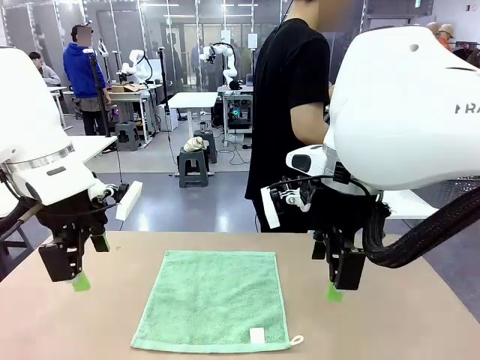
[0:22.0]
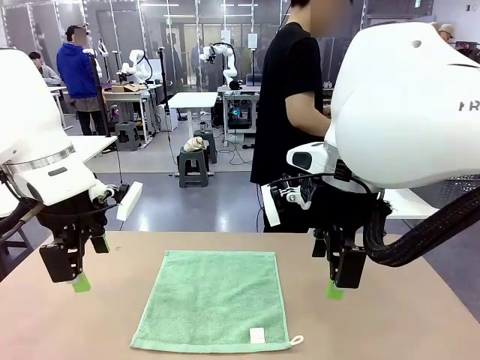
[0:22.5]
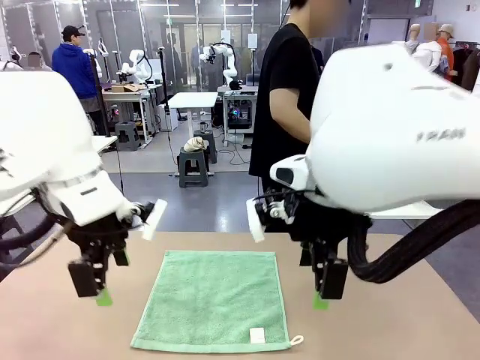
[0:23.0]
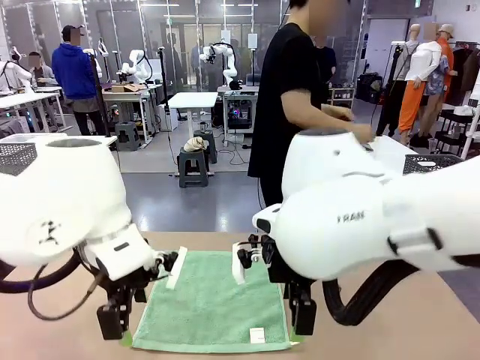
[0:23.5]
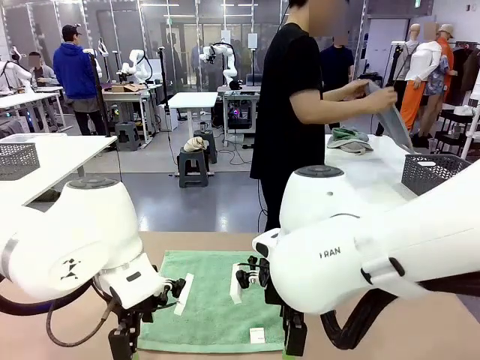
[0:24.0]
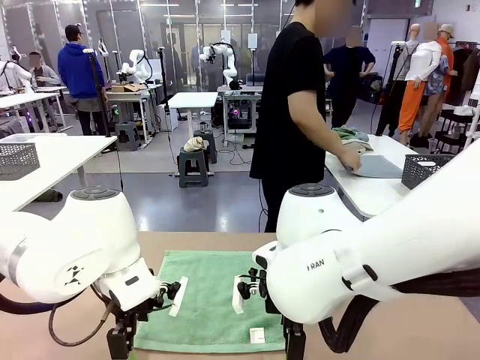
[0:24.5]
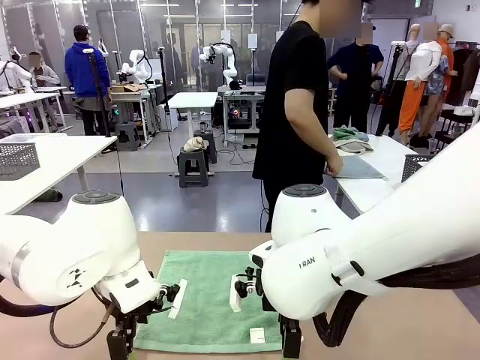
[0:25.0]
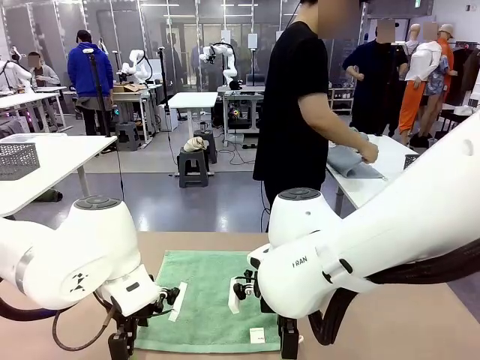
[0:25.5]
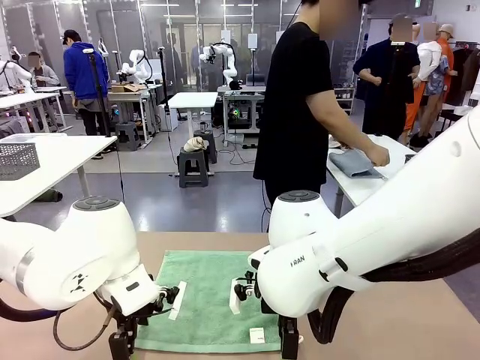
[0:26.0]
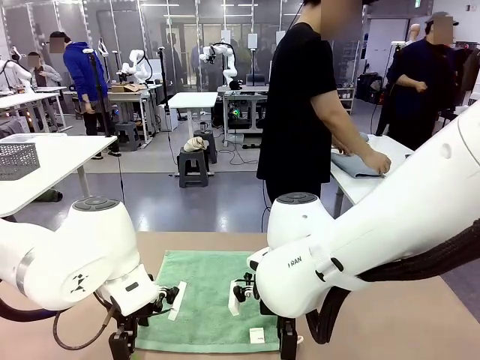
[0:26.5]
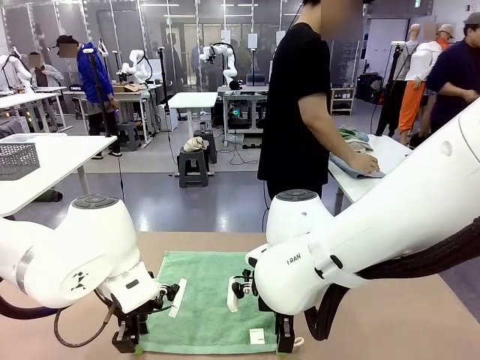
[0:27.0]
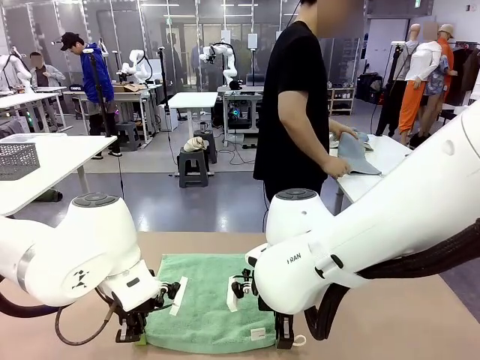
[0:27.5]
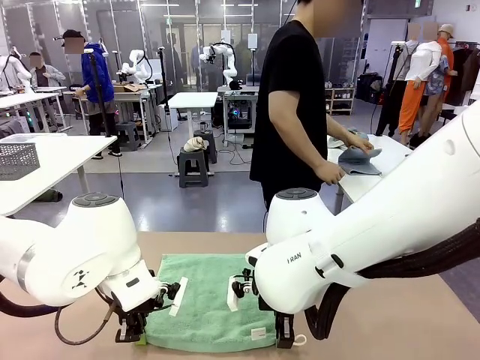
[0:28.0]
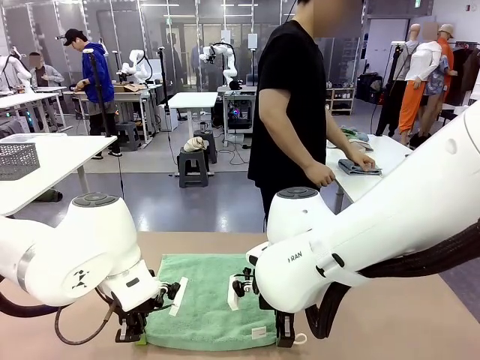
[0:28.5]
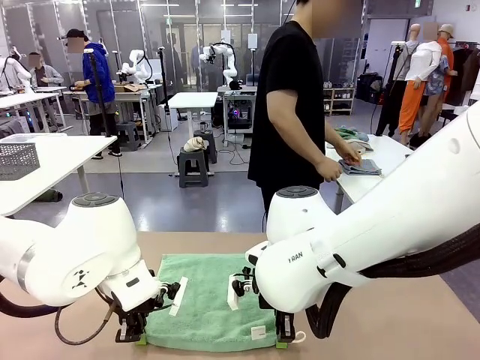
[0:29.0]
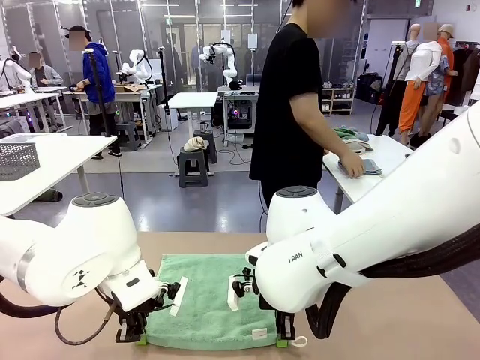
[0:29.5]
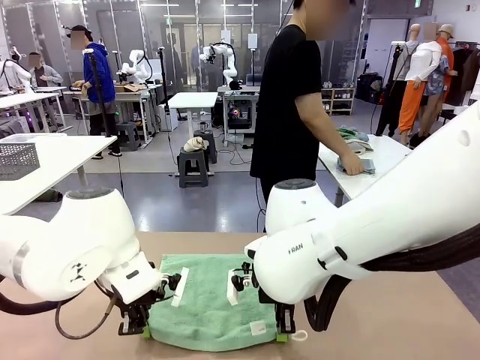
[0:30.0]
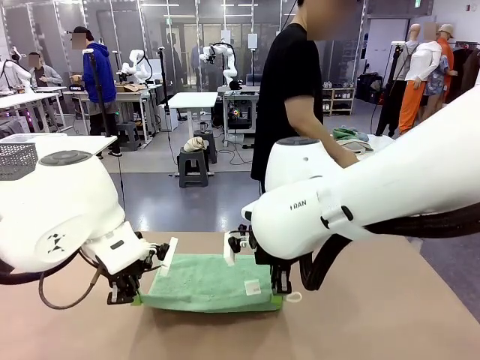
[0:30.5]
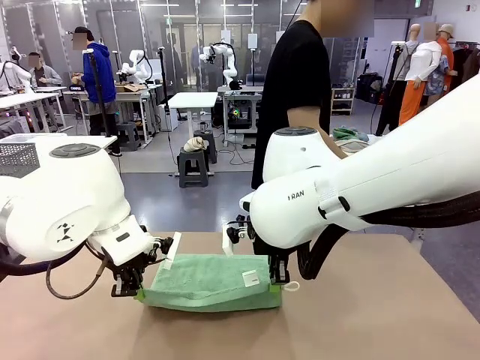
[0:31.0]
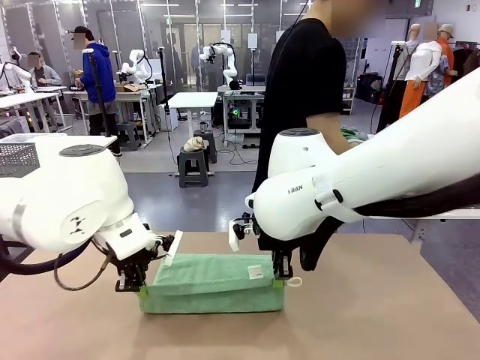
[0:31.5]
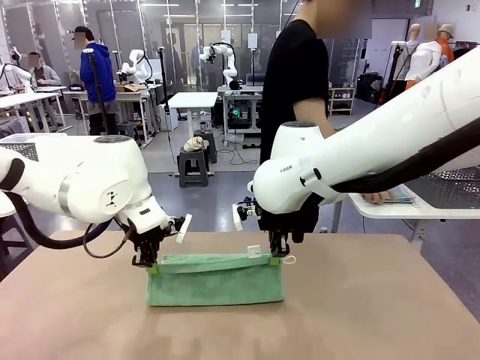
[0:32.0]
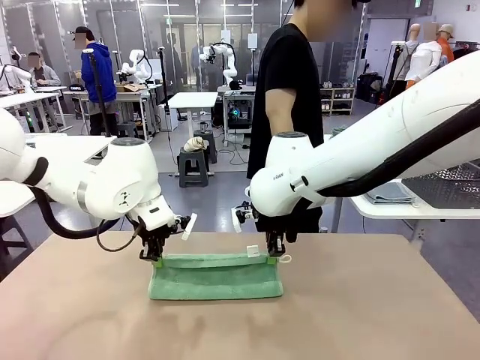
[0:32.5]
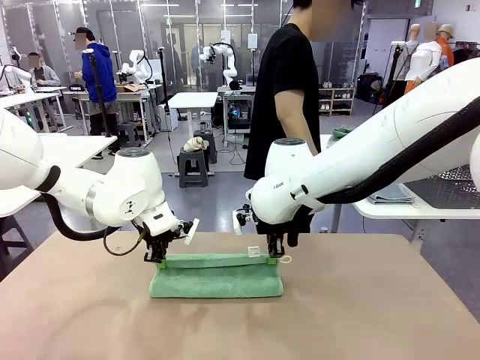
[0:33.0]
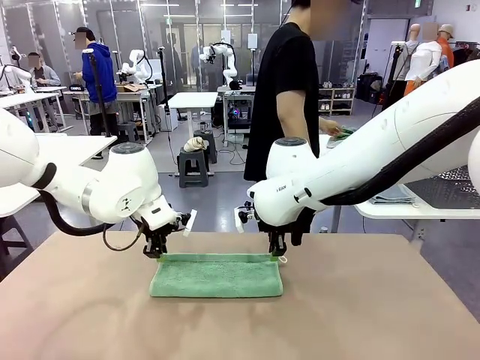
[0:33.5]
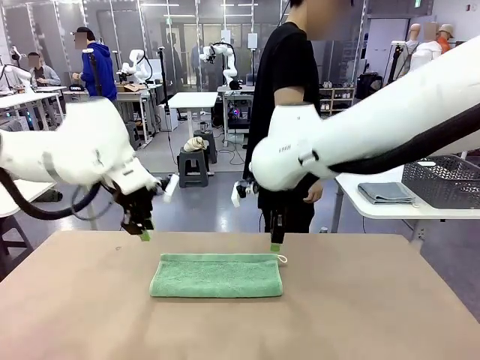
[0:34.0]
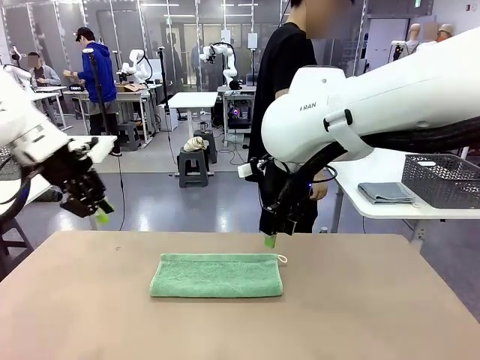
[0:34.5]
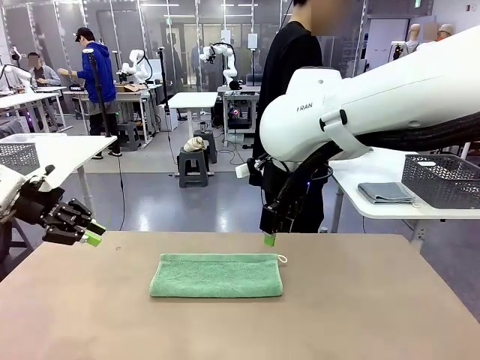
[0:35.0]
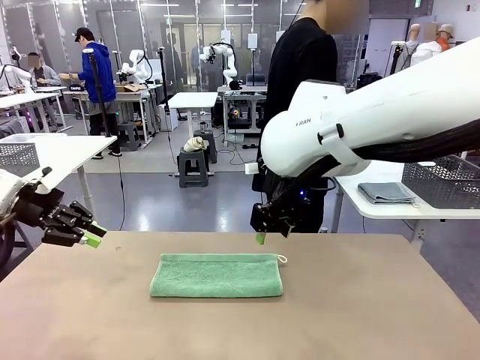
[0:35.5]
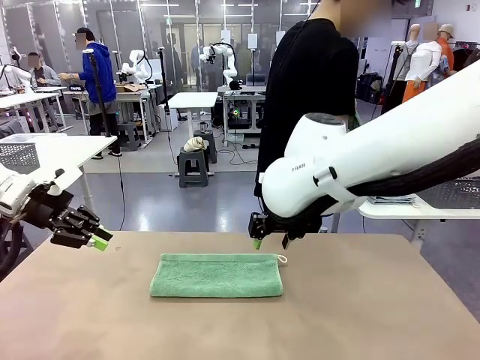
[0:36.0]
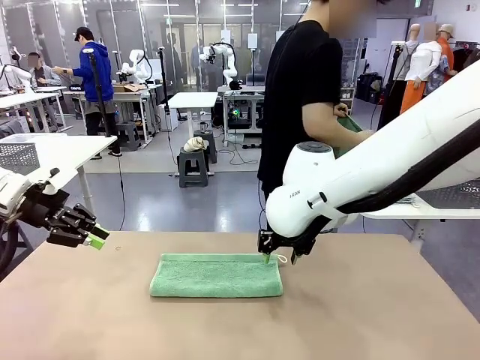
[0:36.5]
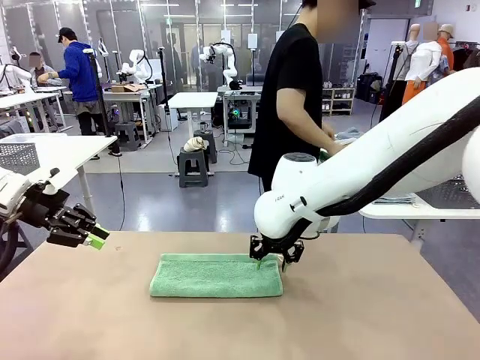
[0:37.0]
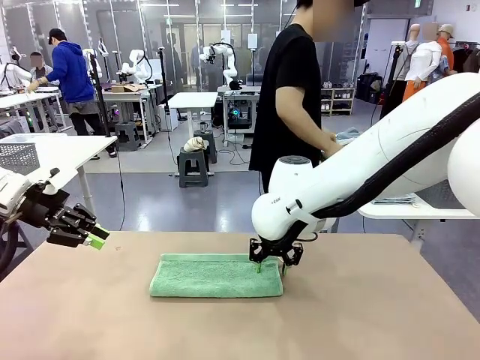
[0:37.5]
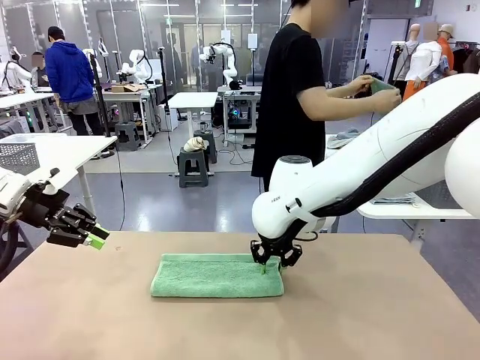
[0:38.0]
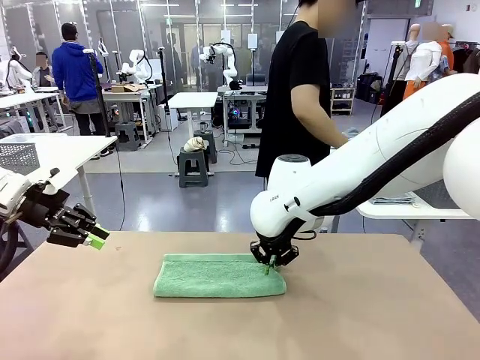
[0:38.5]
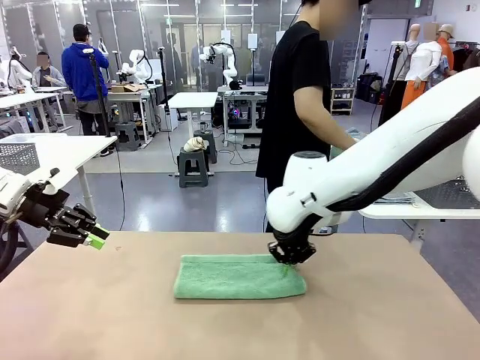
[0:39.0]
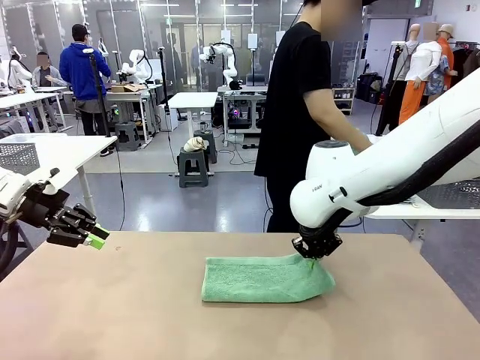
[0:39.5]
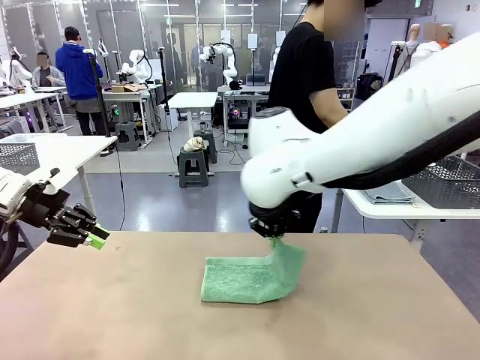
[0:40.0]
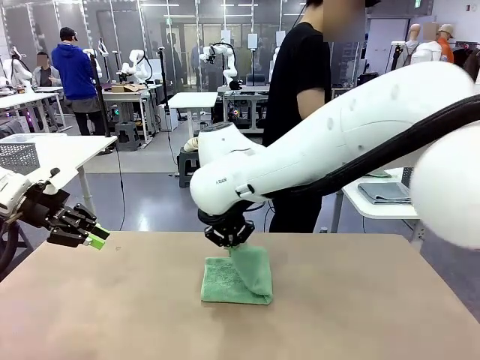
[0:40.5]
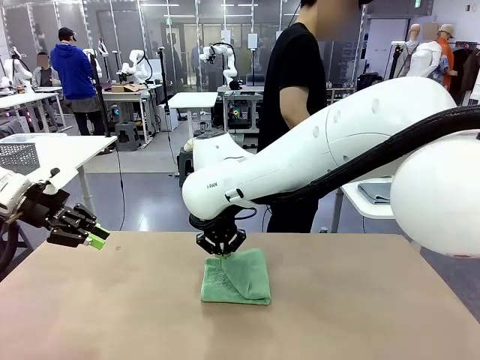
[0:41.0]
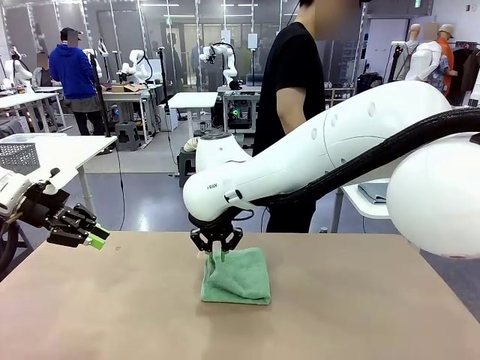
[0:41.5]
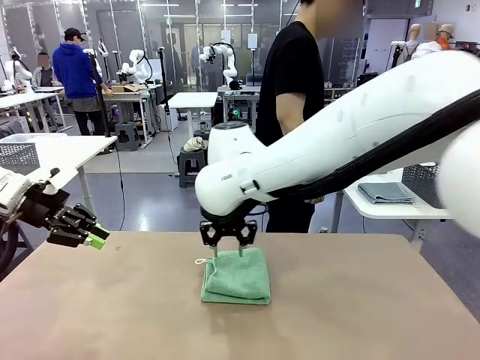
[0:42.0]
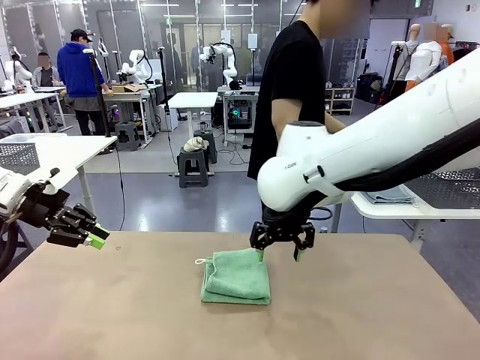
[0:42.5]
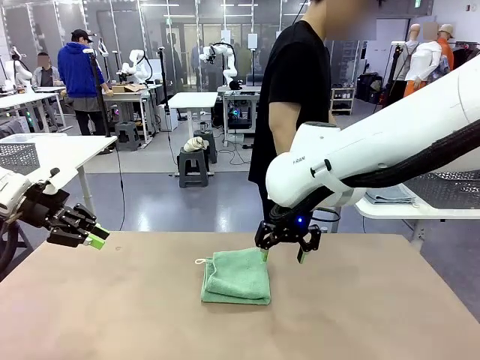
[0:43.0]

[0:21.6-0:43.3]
Task: Fold the towels and place them in the basket.
Robot: When a person lays out a Towel with hook on the table, fold it in half twice.
Person: Pick up one towel from the left side of the human table, fold it in half twice, and place it on the right side of the table. Pick up one towel from the left side of the human table, fold it in half twice, and stack it on the right side of the table.

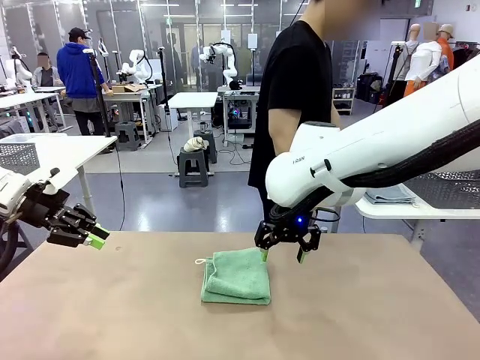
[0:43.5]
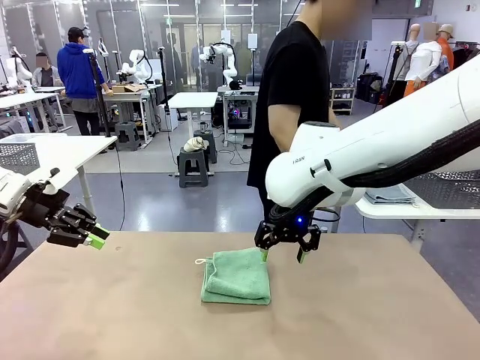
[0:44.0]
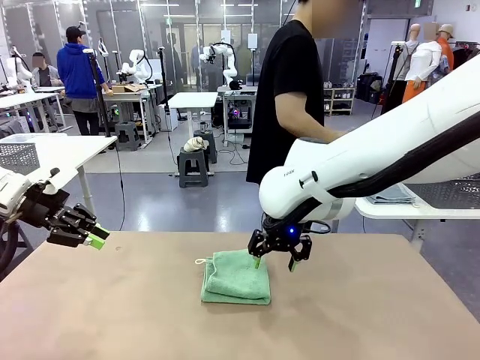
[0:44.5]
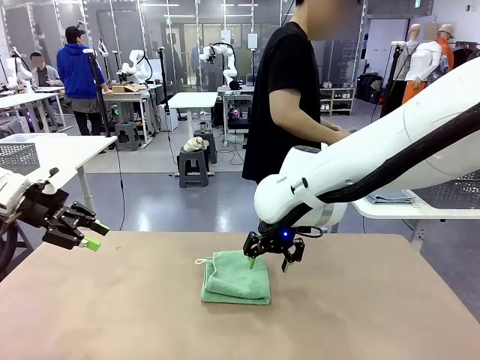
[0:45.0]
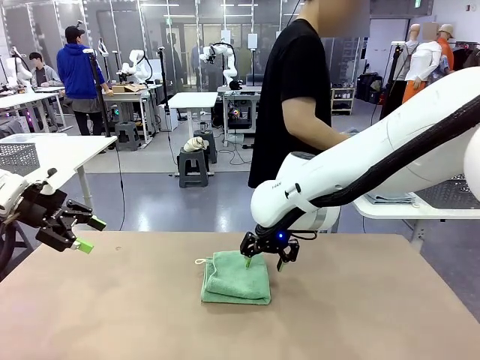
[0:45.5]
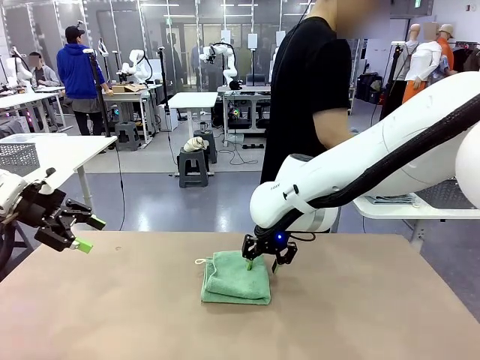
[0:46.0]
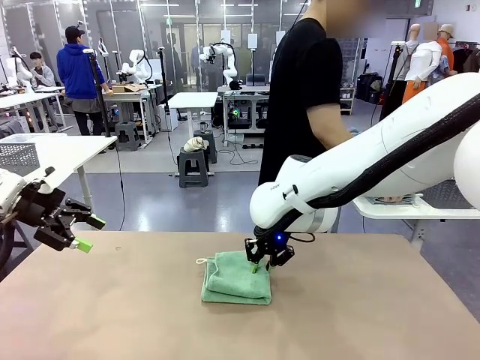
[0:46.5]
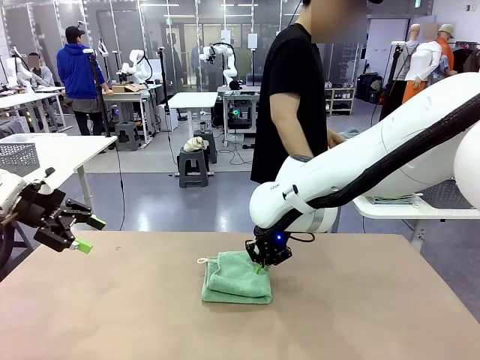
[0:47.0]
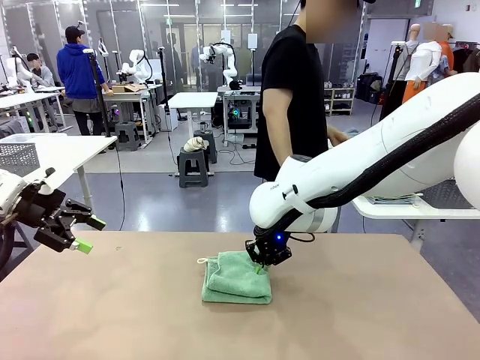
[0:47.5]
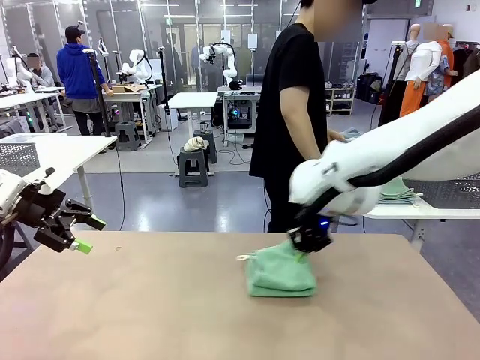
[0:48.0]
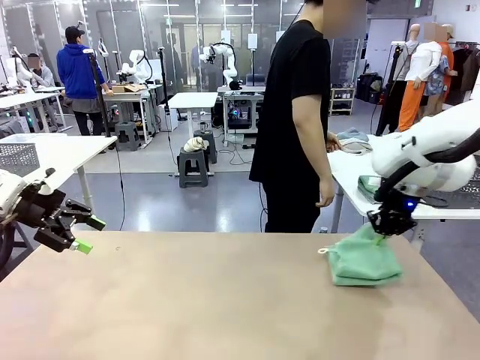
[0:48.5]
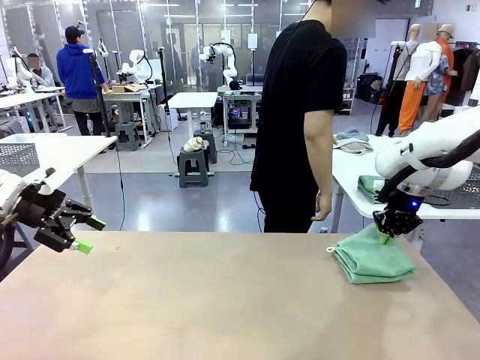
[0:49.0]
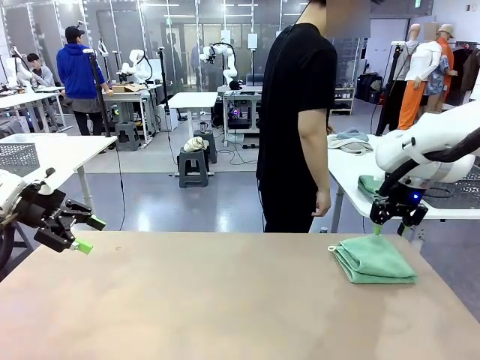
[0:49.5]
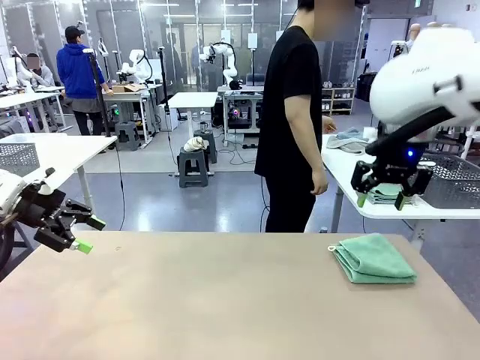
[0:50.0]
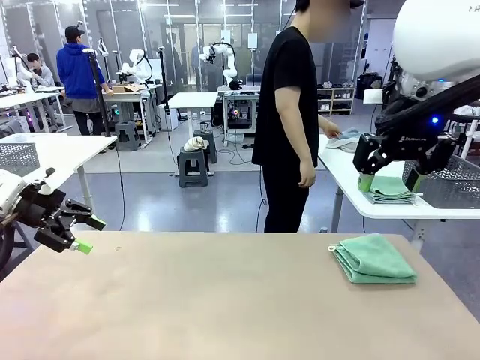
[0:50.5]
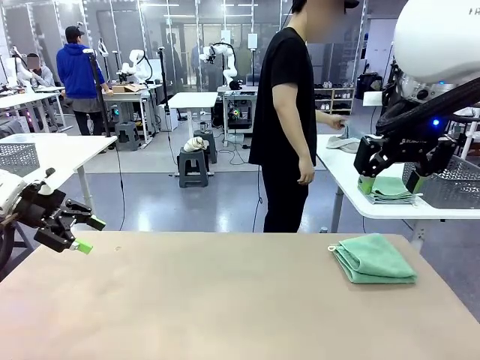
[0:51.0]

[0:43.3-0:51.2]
Robot: Place the folded Towel with hook on the right side of the table.
